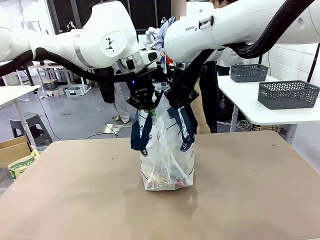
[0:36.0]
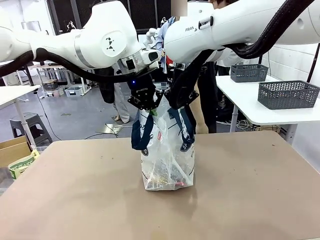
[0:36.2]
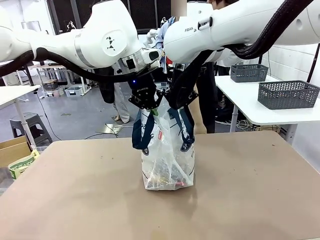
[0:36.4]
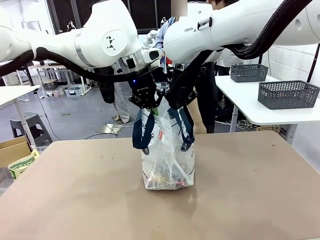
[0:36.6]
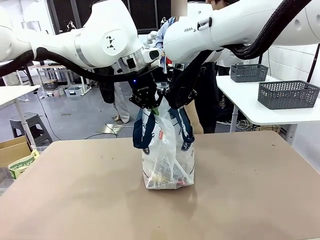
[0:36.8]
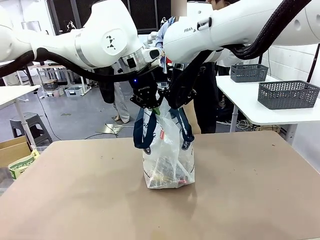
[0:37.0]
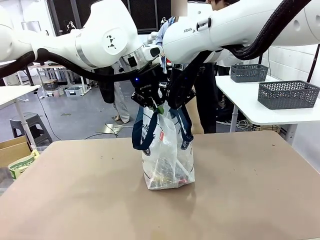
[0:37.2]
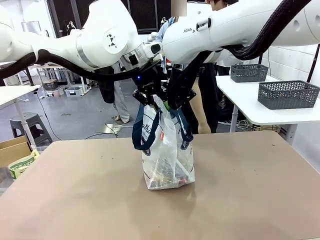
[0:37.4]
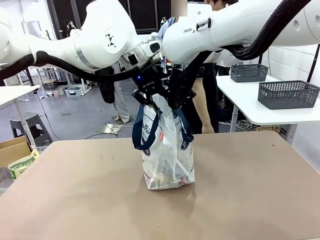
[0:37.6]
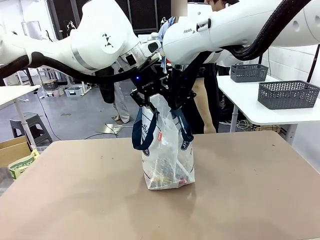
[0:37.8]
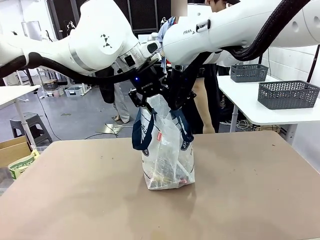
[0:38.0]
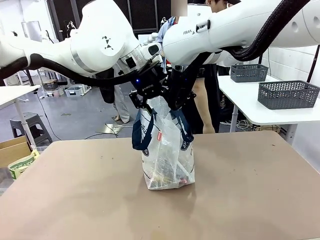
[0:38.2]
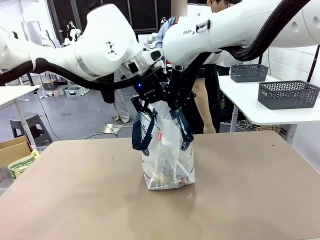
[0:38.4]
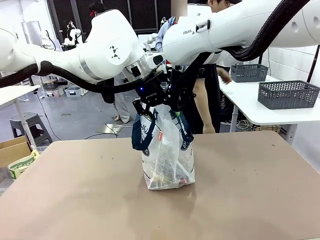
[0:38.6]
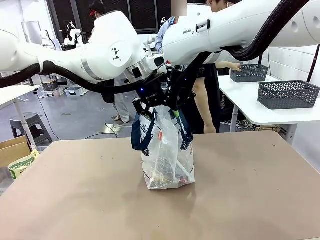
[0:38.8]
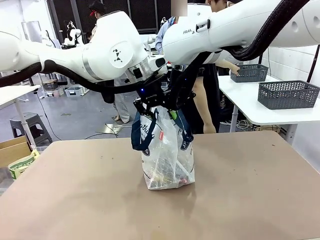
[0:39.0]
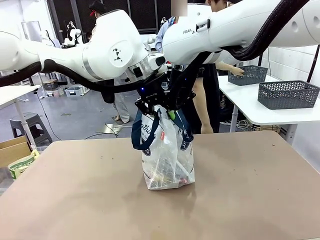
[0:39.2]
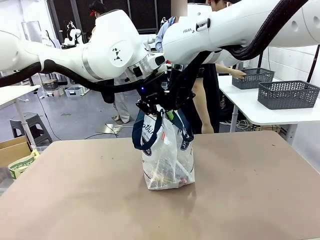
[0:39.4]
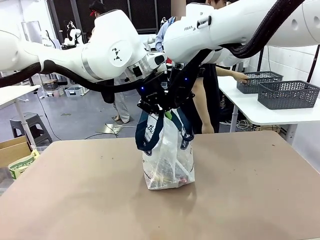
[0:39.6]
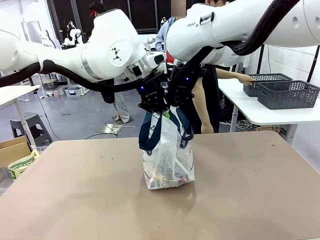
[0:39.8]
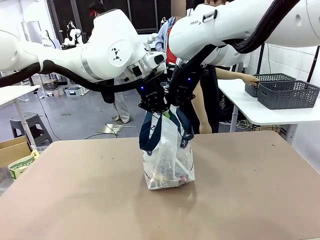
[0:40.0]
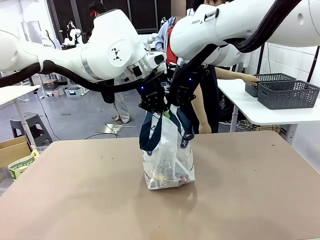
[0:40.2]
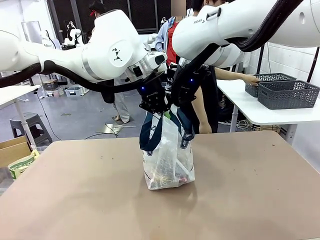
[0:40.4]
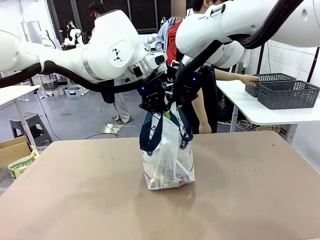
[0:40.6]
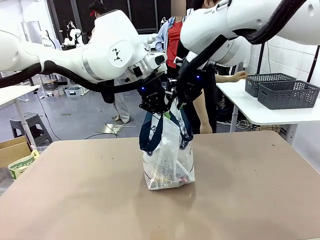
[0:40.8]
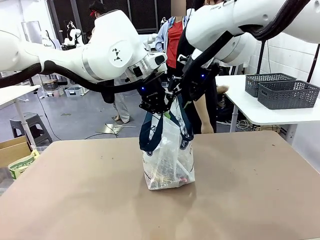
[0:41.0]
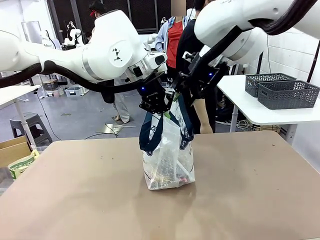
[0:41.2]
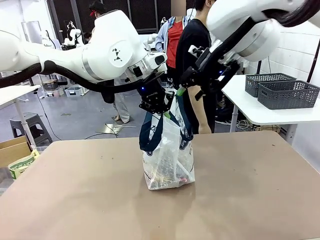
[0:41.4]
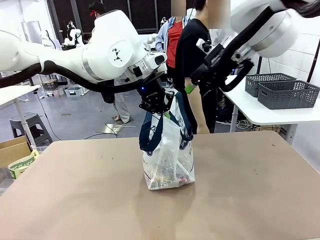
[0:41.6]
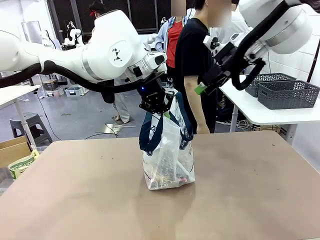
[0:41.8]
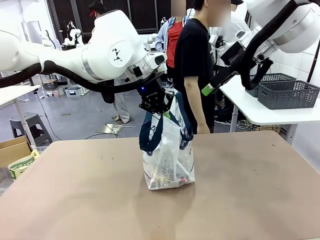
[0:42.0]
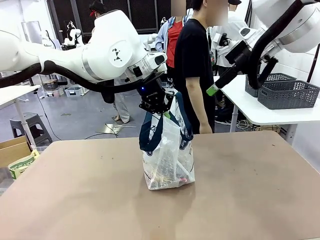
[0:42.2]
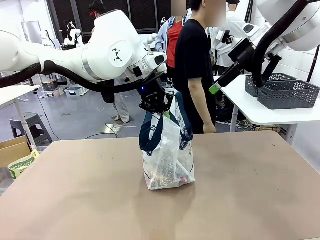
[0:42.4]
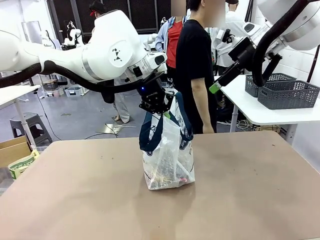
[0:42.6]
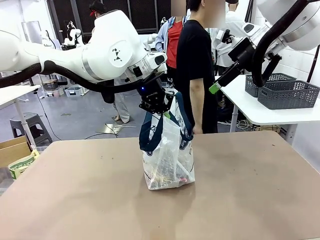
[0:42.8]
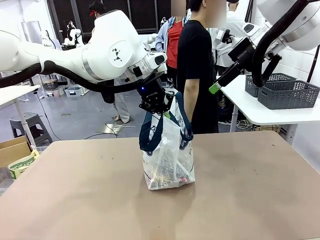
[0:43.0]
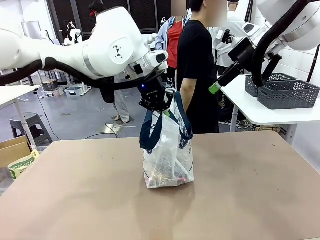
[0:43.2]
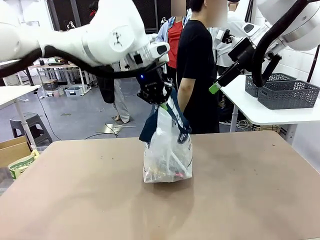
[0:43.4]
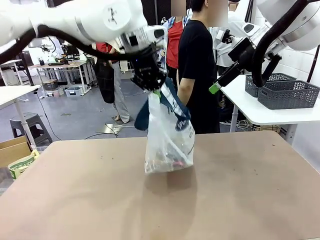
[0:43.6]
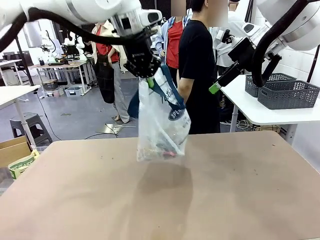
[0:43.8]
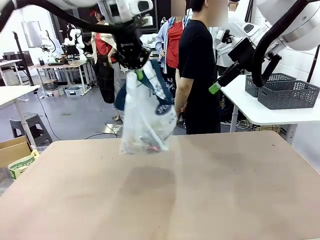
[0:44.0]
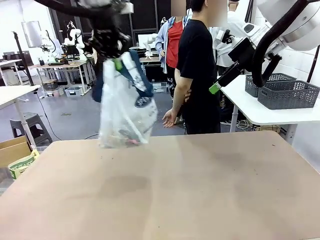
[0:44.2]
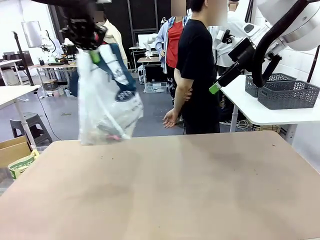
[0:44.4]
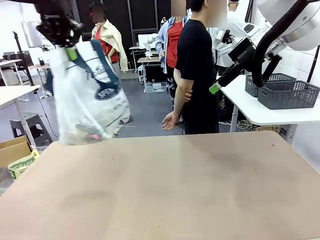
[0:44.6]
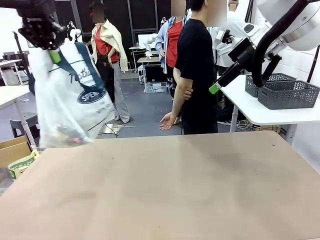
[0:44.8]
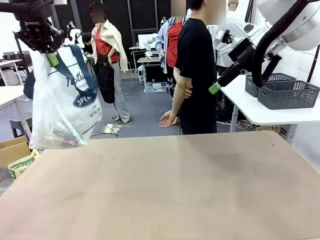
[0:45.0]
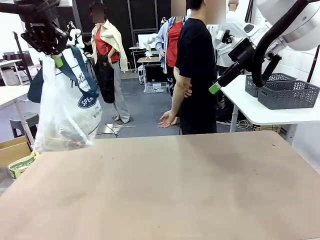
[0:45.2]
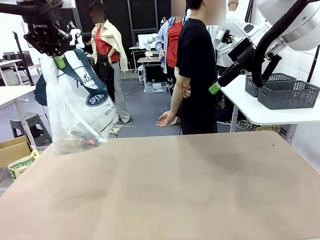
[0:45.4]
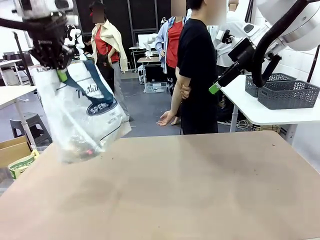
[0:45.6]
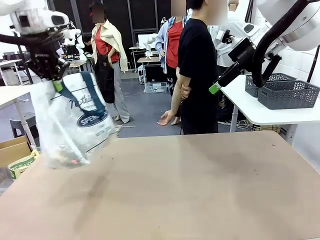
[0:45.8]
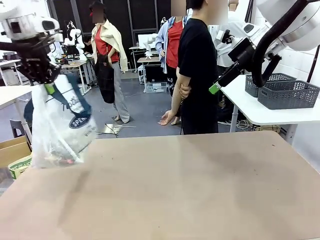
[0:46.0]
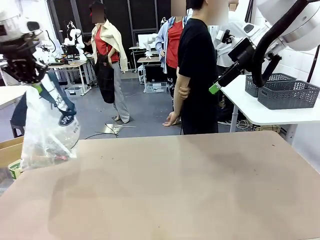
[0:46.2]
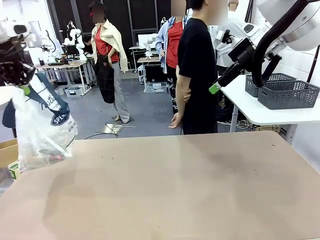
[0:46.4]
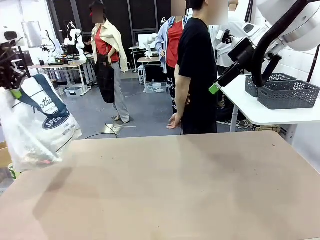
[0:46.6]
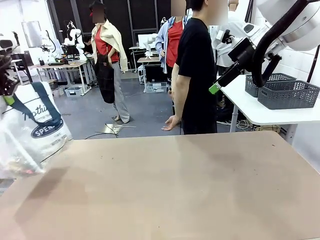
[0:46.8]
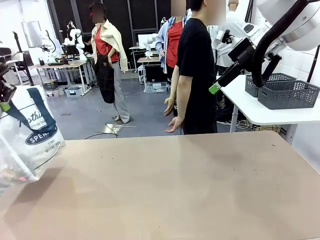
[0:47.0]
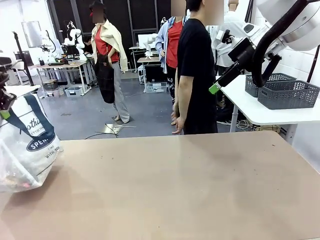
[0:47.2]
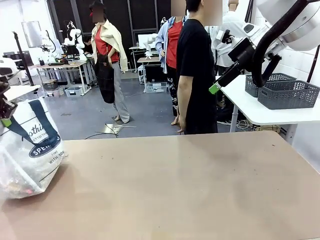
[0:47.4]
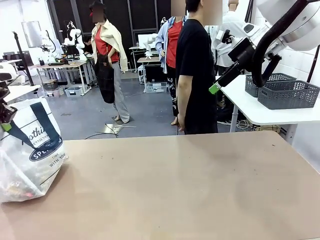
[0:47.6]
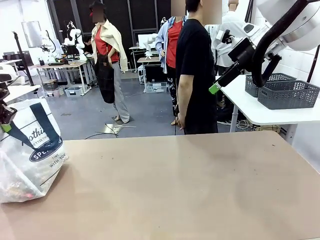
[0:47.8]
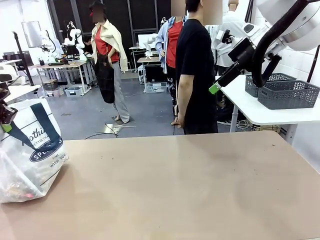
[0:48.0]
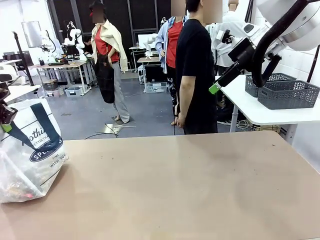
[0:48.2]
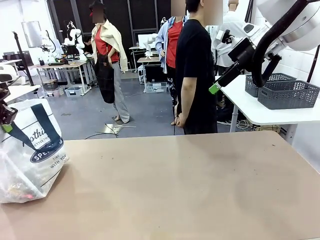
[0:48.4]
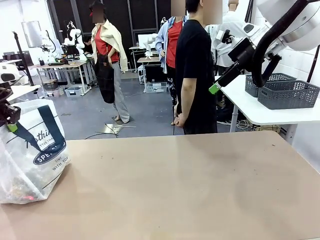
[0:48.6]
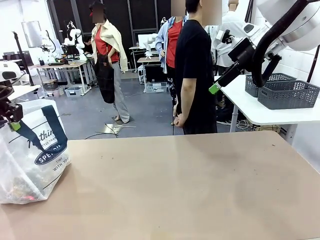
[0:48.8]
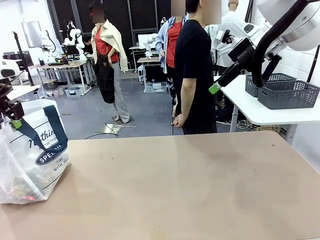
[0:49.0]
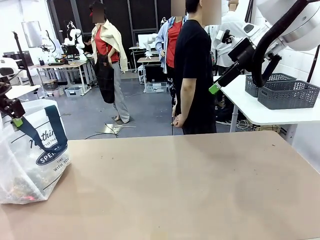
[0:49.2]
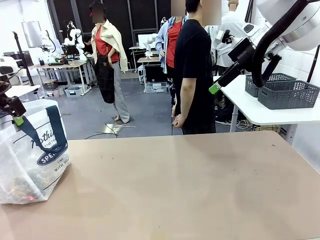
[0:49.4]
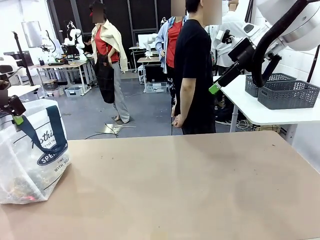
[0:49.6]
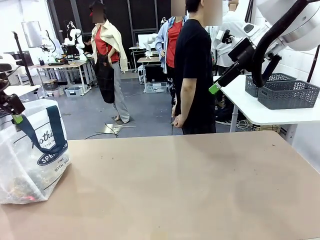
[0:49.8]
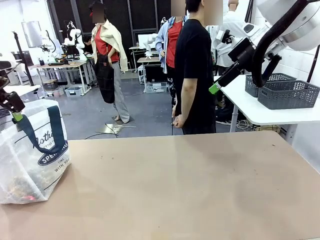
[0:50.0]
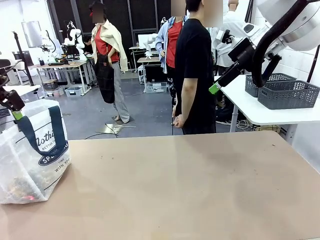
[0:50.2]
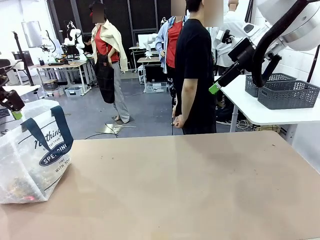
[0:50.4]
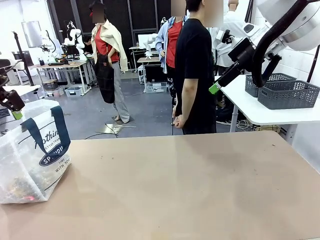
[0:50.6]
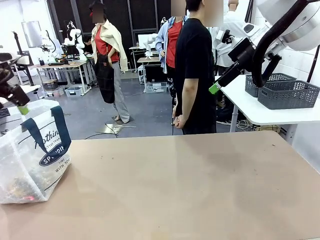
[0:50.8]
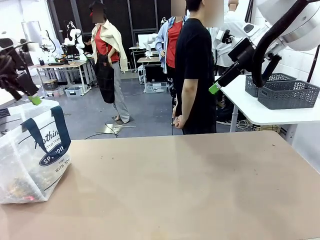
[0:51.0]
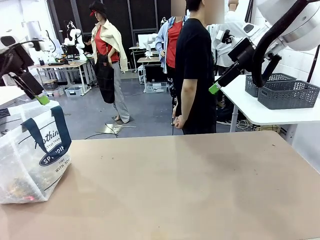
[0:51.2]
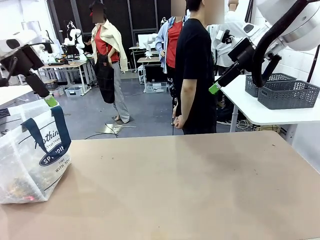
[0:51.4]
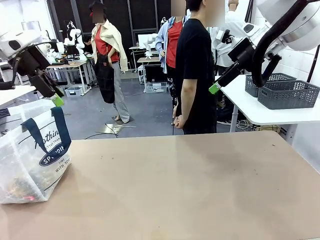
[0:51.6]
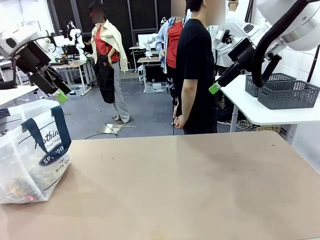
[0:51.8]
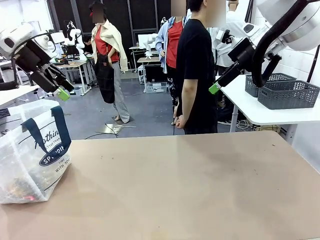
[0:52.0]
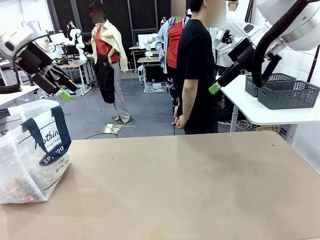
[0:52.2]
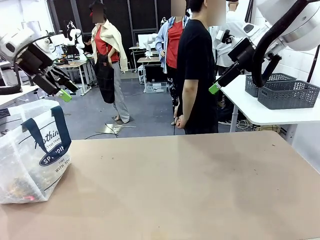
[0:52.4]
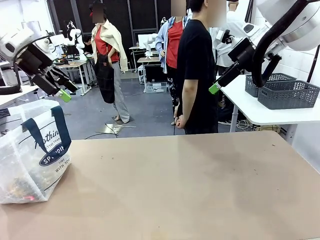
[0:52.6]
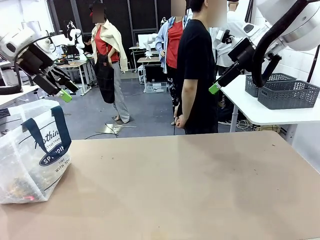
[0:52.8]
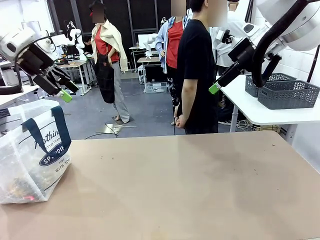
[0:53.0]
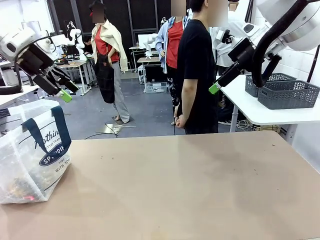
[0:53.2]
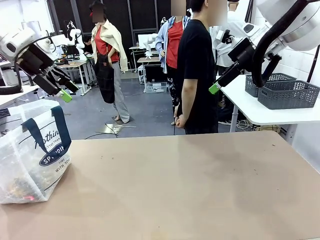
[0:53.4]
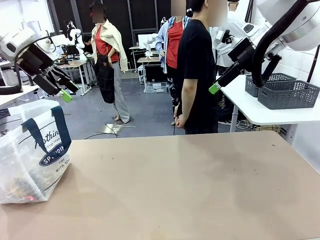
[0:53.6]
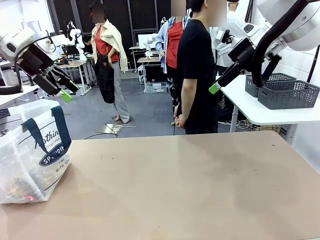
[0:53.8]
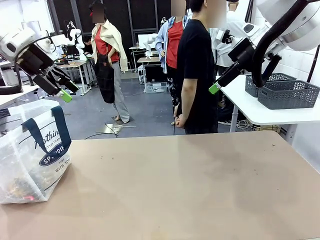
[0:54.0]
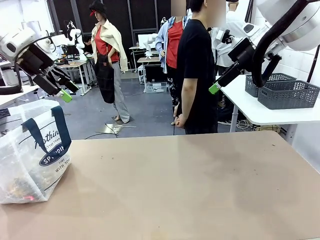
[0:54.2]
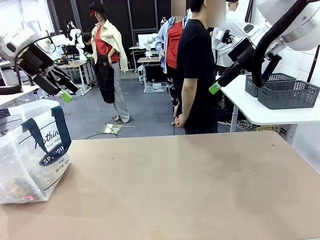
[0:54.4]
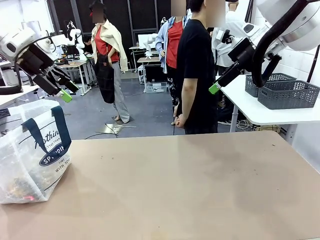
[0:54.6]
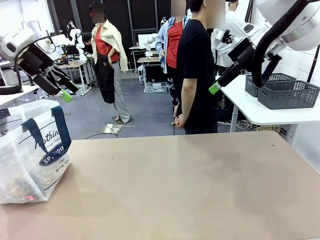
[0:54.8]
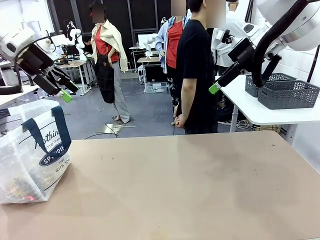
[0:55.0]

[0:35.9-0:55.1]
Task: Transfer purchased items from the store into the shopping bag.
Robot: Move the Reusable shopping bag to the right side of the table.
Person: Move the basket on the left to the middle of the person's table.

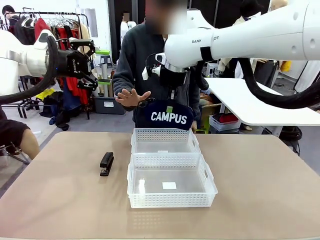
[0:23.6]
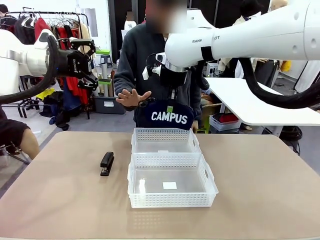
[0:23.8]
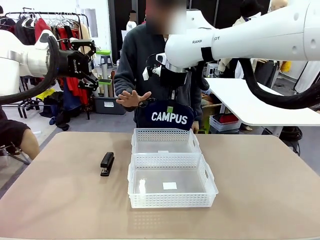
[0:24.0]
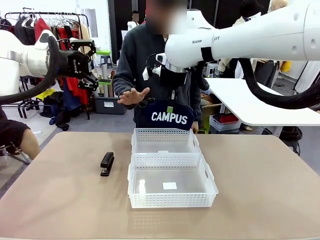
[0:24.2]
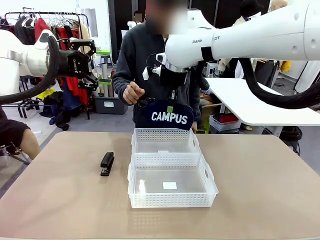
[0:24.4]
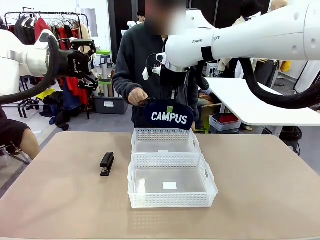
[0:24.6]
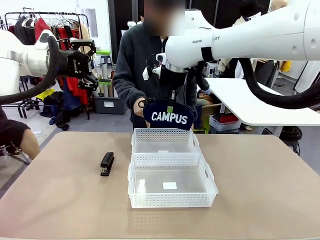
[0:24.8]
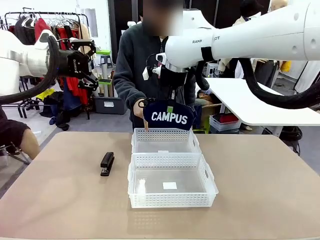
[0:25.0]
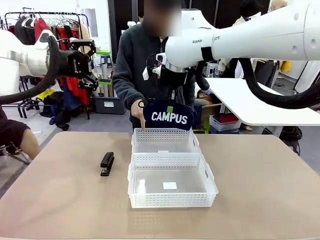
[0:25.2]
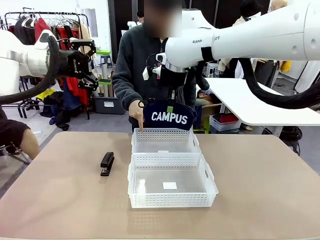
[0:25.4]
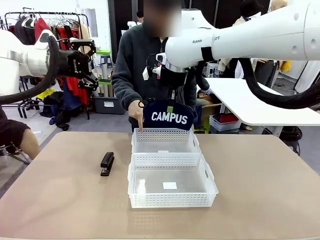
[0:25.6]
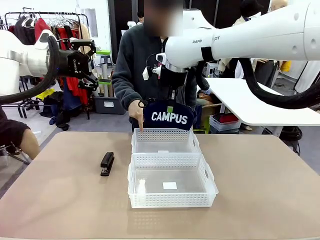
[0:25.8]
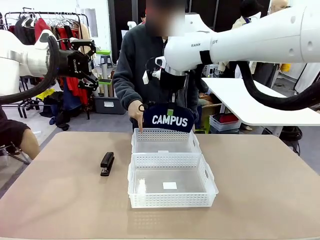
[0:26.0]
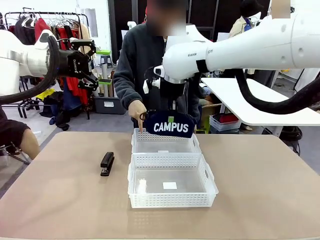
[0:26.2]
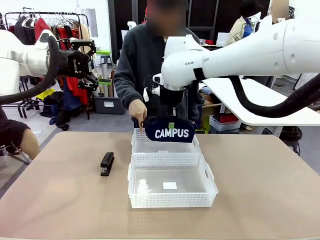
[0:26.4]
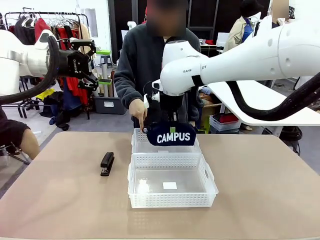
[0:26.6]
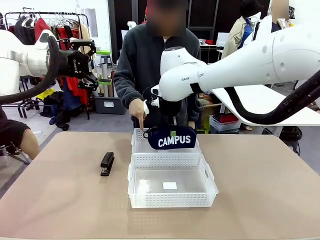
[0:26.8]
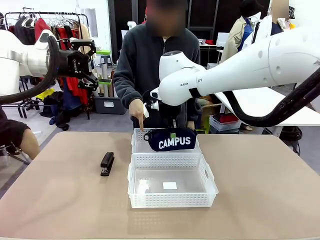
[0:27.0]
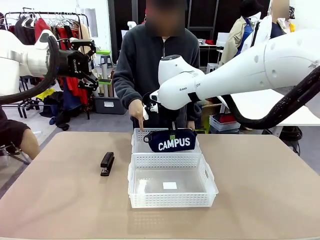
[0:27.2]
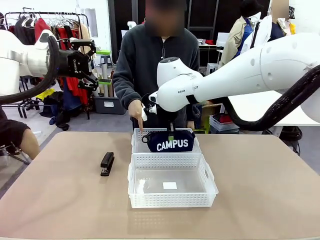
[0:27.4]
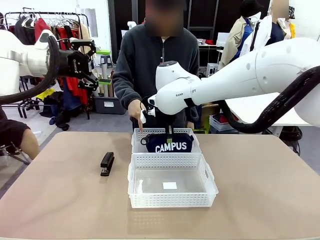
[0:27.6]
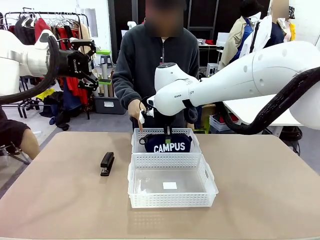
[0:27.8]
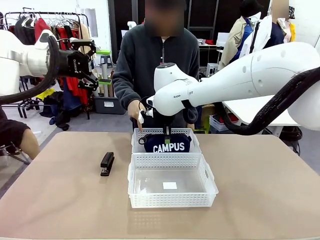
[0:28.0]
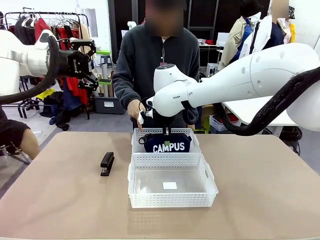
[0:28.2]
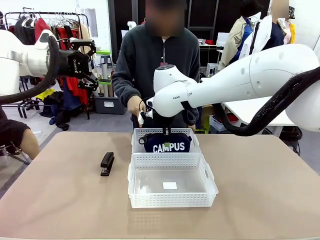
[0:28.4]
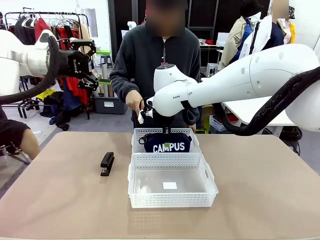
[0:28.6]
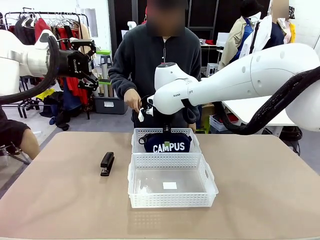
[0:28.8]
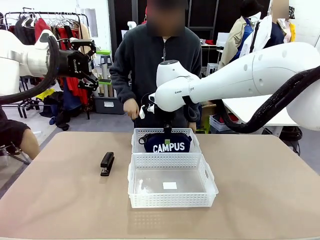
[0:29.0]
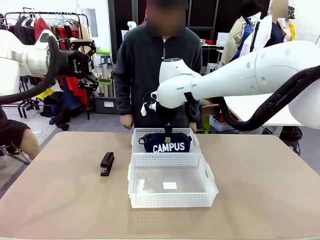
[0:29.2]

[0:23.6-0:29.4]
Task: Distribute items into two baskets.
Robot: Place the picked Pencil pouch into the Organizing basket as instructed by the person.
Person: Instructs the robot to place the pencil case into the opposite basket.
